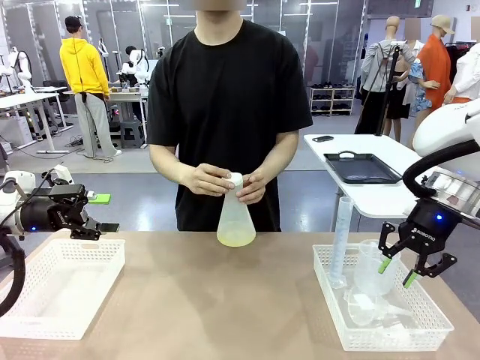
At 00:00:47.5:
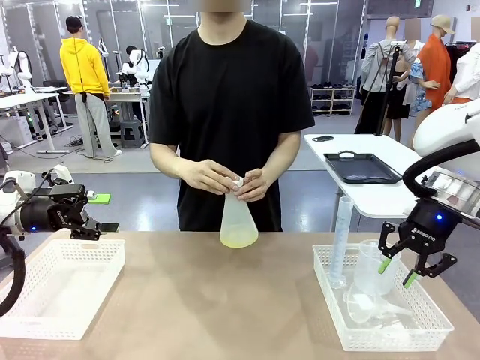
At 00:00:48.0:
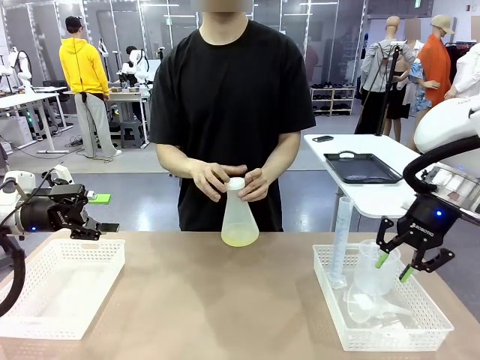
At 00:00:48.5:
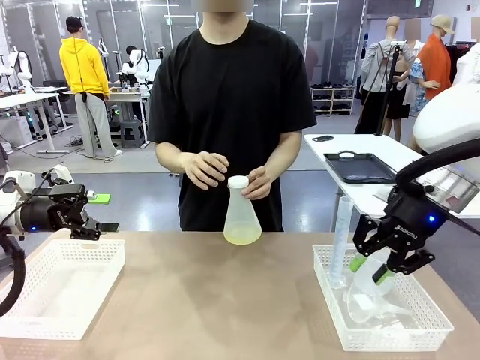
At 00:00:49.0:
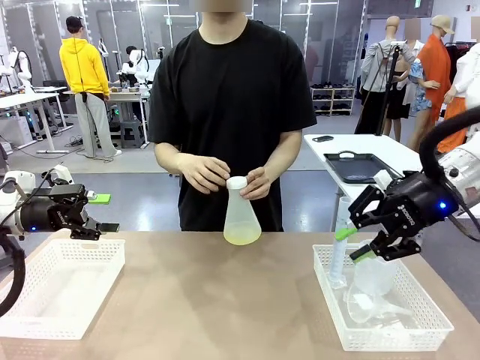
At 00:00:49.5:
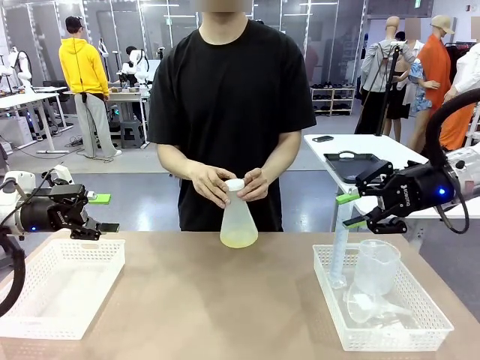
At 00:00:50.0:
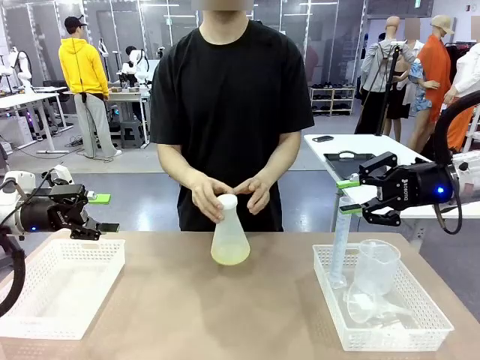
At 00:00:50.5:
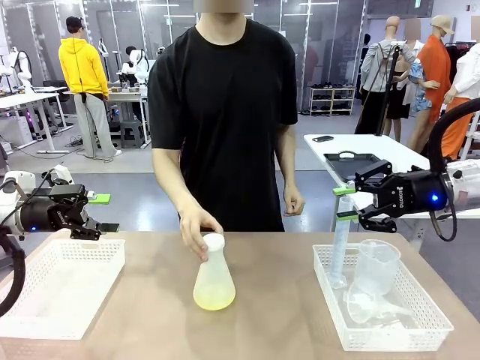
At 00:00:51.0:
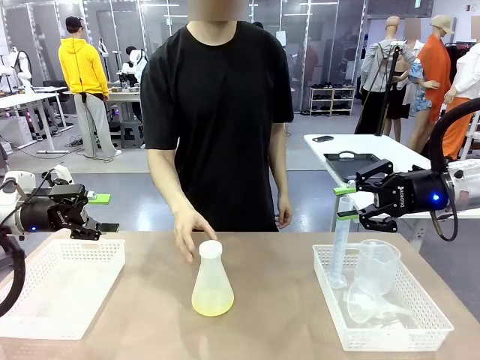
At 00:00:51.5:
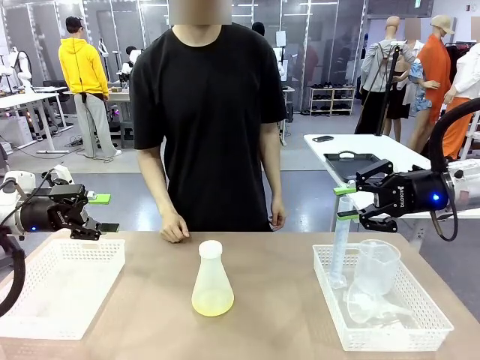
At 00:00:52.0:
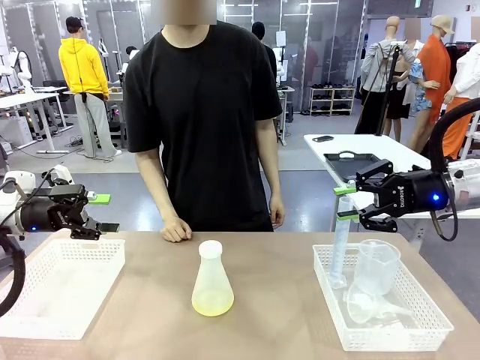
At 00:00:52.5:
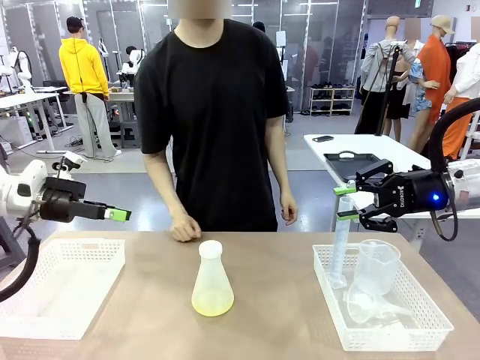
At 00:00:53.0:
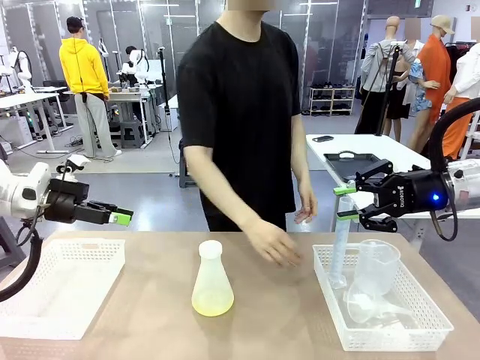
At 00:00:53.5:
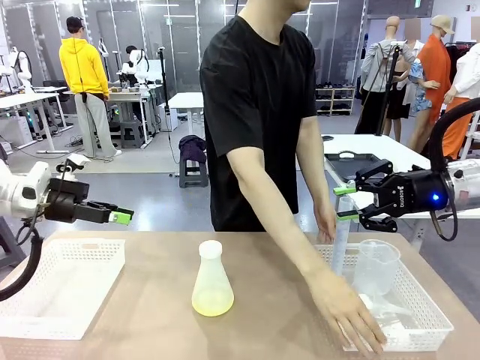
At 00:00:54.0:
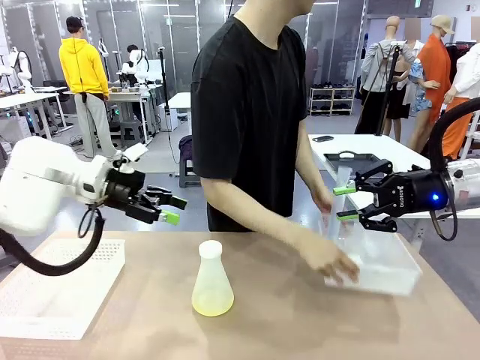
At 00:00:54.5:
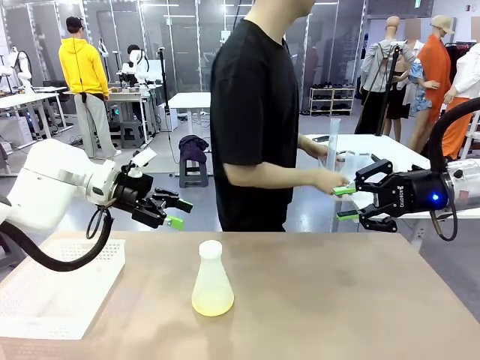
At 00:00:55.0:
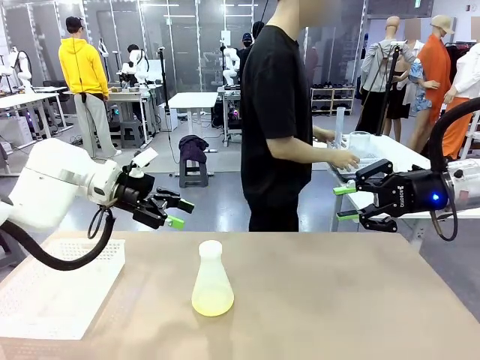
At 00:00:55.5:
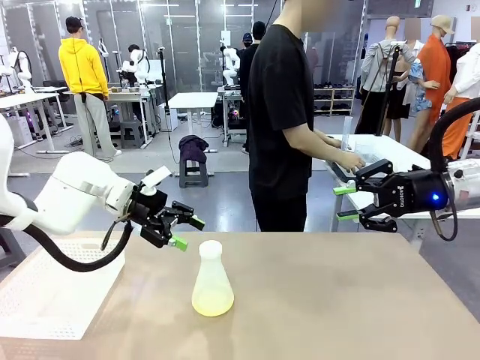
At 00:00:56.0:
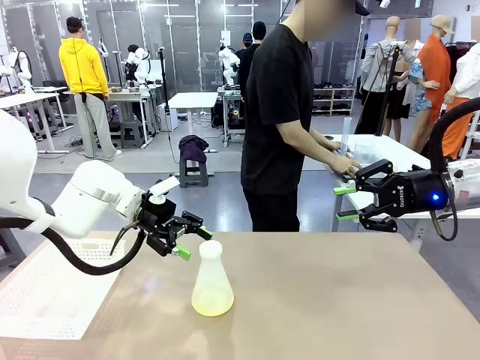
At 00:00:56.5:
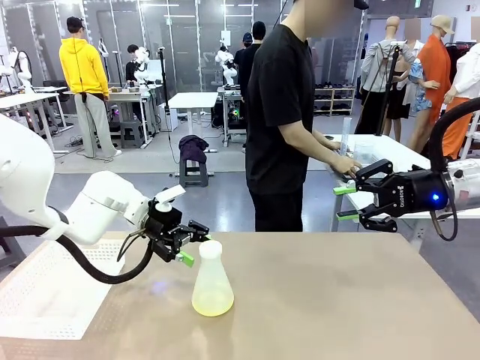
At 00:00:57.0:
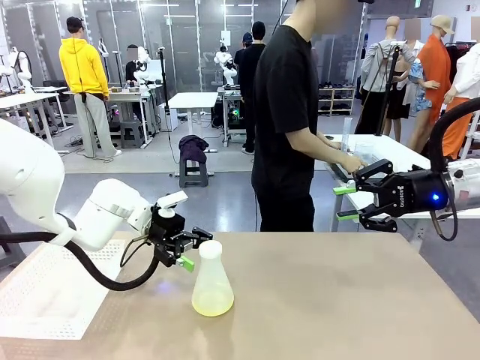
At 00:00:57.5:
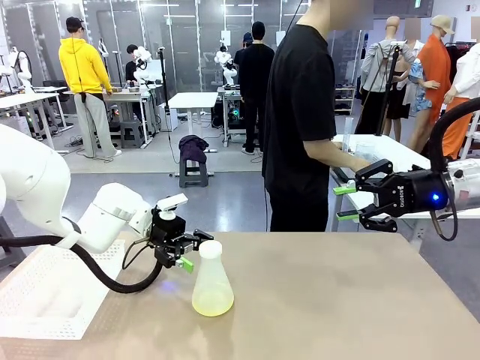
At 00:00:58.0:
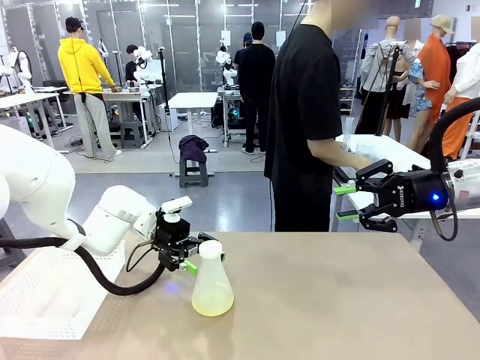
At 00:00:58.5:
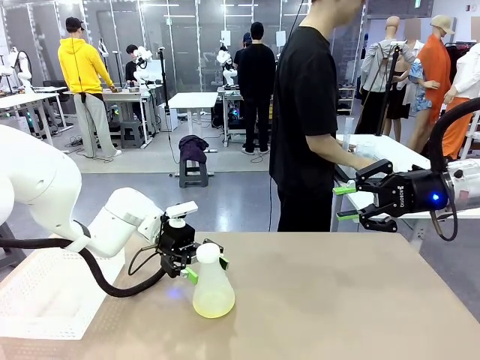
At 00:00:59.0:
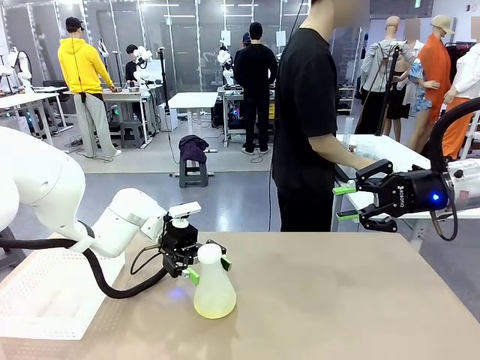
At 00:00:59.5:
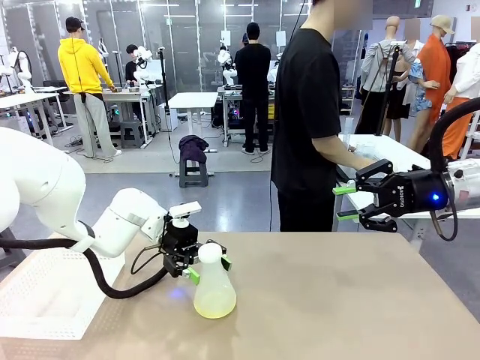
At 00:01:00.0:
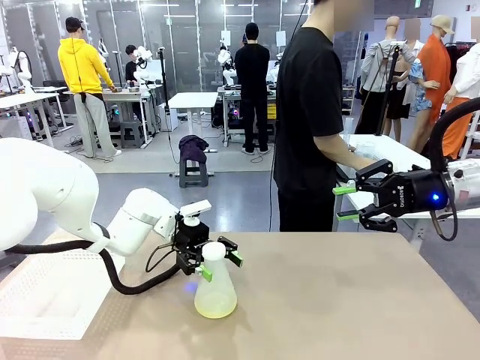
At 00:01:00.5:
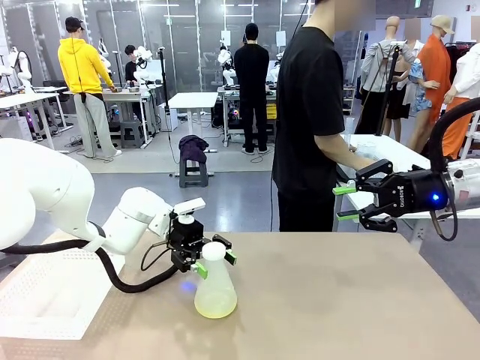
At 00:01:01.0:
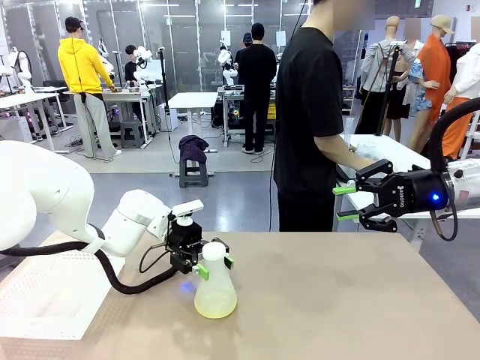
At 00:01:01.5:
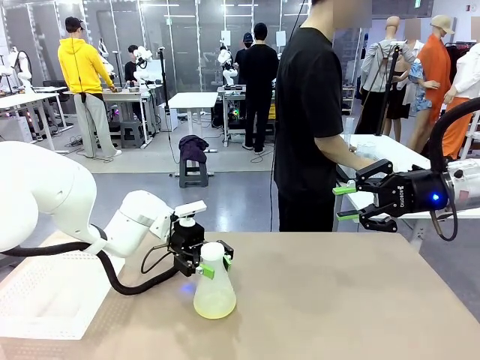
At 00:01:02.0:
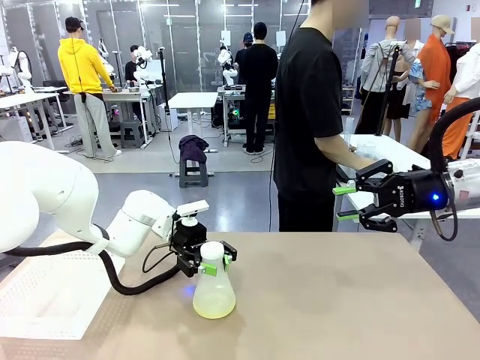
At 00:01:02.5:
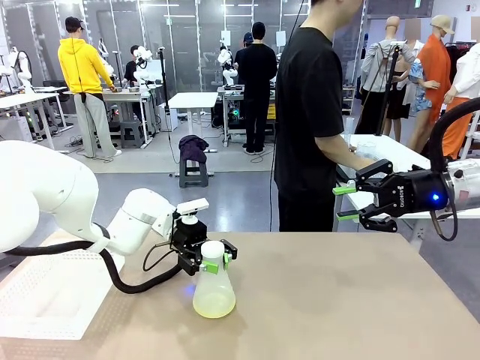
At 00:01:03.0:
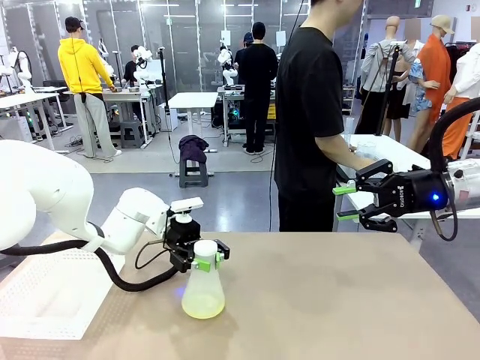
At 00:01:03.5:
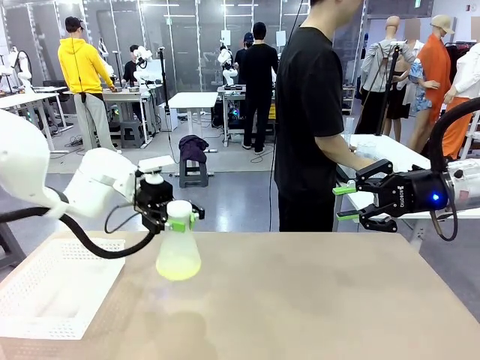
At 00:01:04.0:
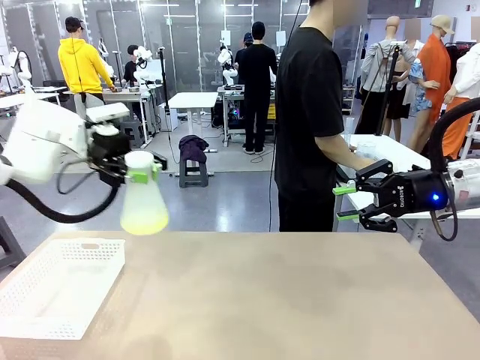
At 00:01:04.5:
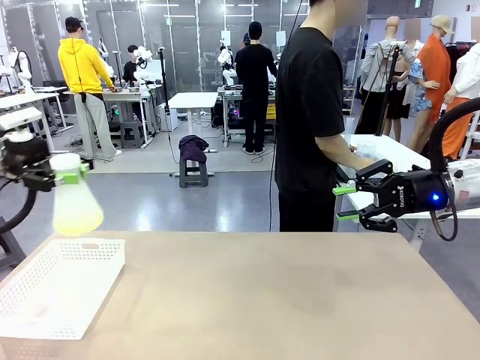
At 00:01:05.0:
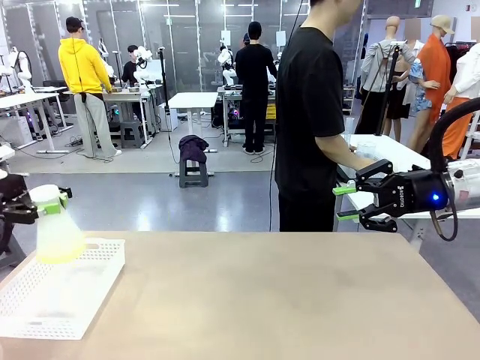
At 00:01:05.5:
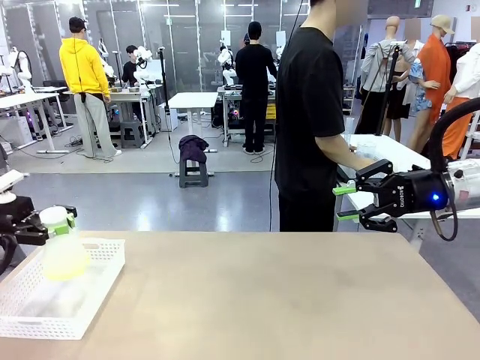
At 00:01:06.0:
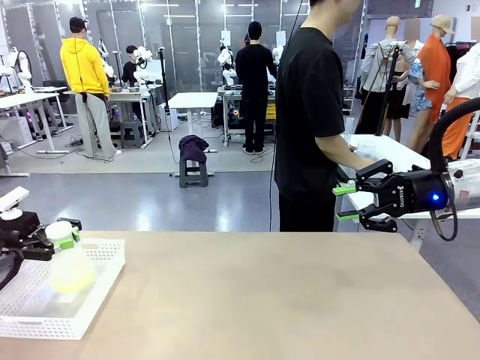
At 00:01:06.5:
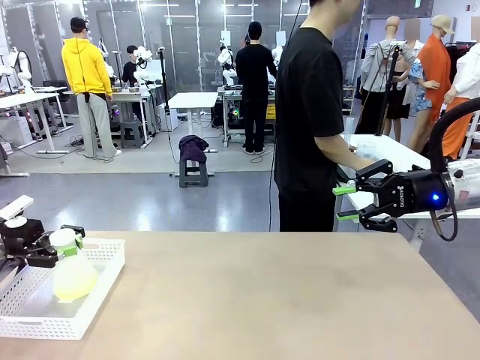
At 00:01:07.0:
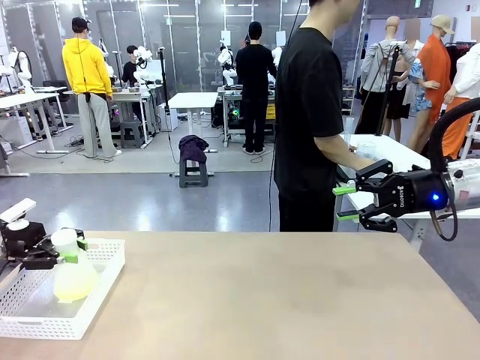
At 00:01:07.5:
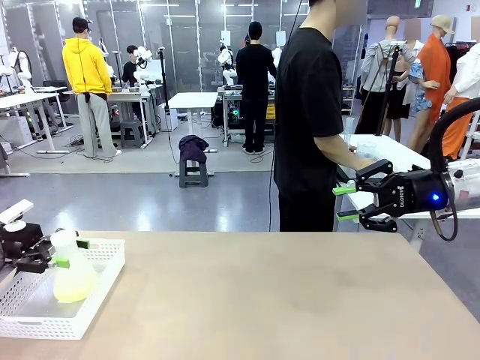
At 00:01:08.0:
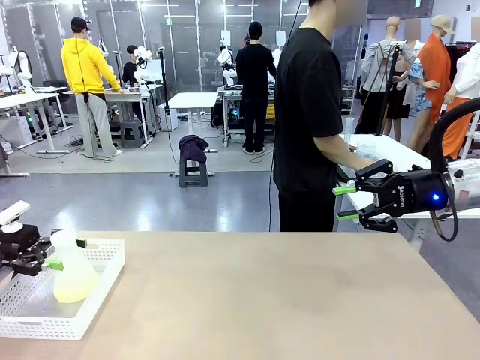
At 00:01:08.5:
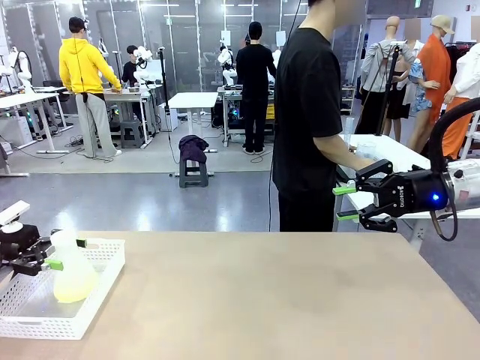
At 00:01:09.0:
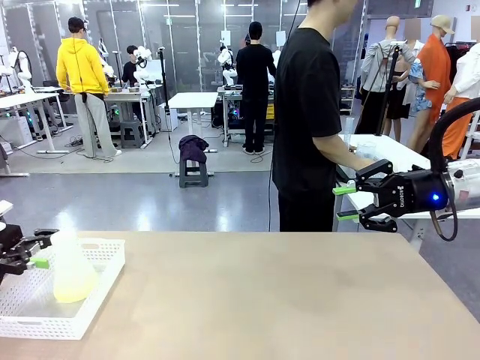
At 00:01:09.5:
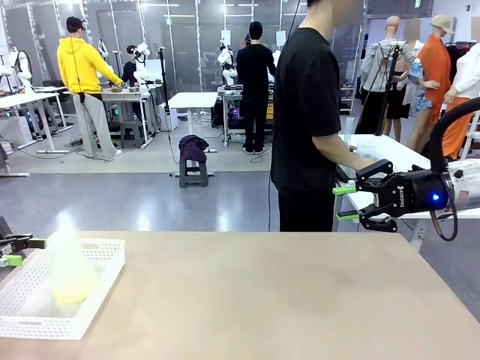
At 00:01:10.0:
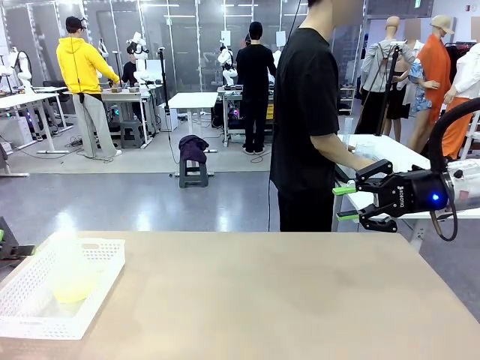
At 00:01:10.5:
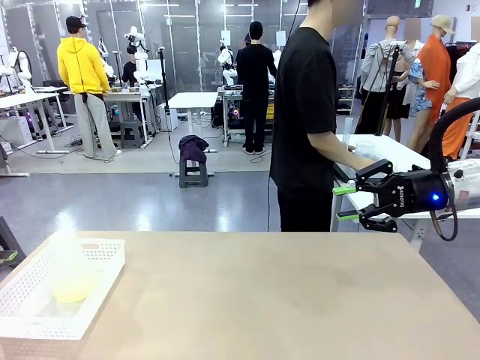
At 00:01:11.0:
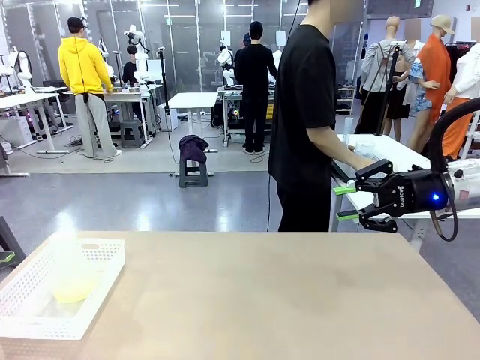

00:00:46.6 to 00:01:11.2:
Task: Prepare the solutions needed for the experiment.
Robot: When the human places the Big flask in the center of the table, pick up the Big flask and place it in the left Organizing basket.
Person: Pick up the organizing basket on the left side of the robot table and place it on the left side of the human table.

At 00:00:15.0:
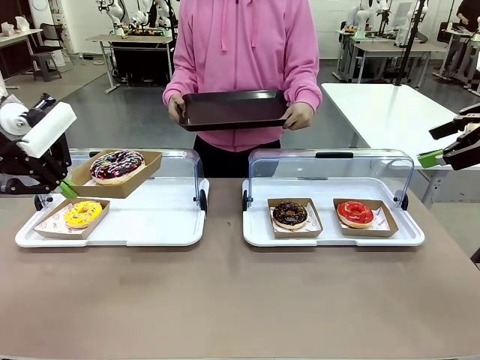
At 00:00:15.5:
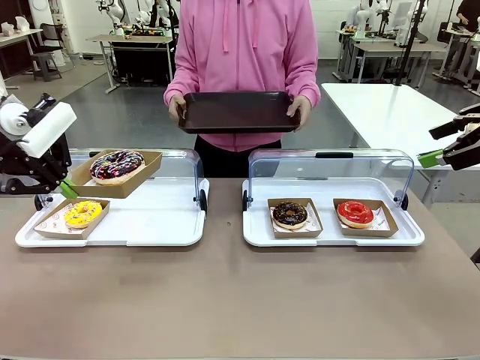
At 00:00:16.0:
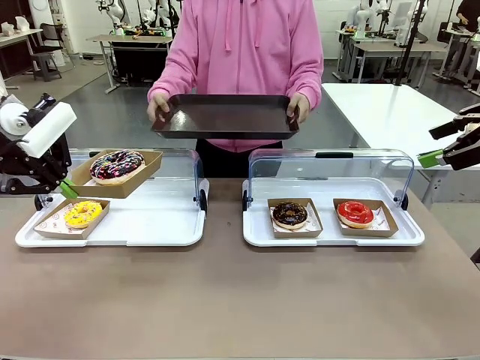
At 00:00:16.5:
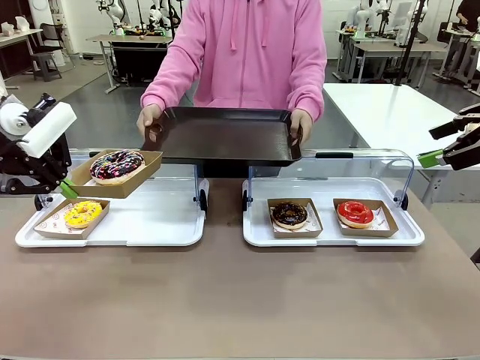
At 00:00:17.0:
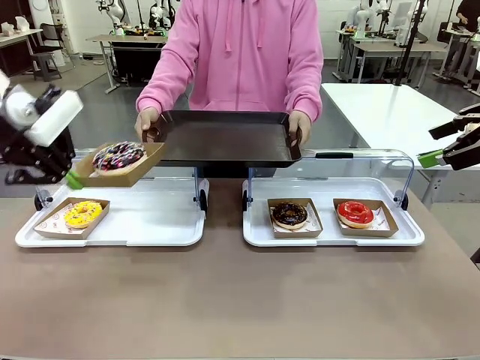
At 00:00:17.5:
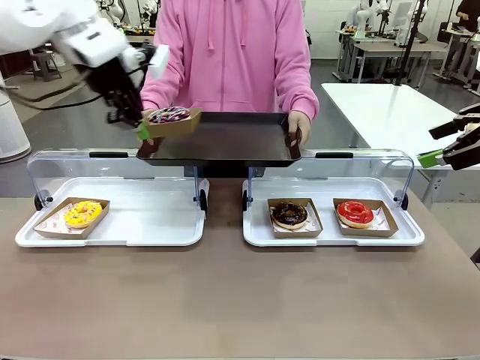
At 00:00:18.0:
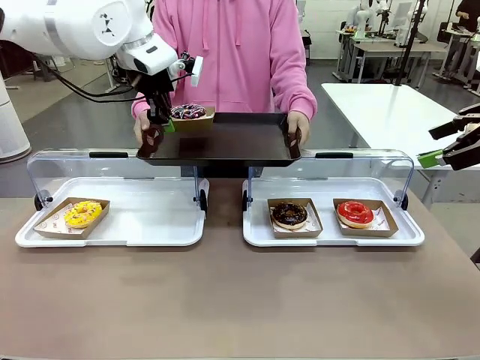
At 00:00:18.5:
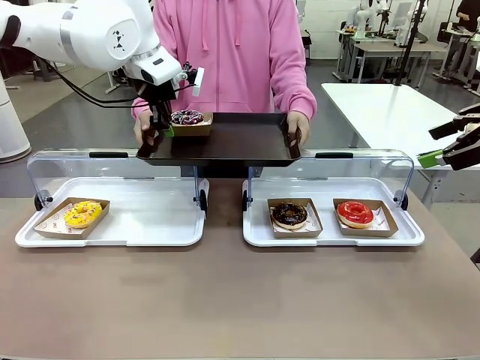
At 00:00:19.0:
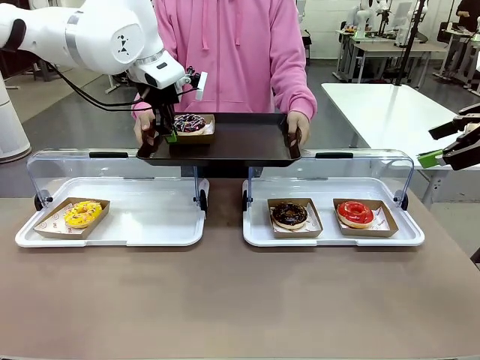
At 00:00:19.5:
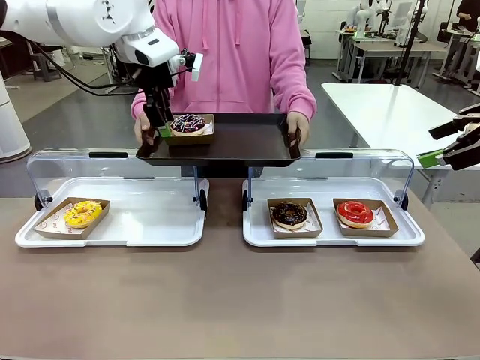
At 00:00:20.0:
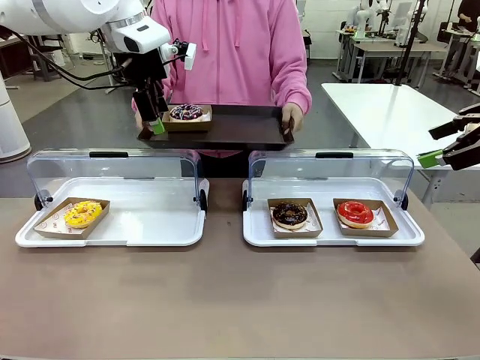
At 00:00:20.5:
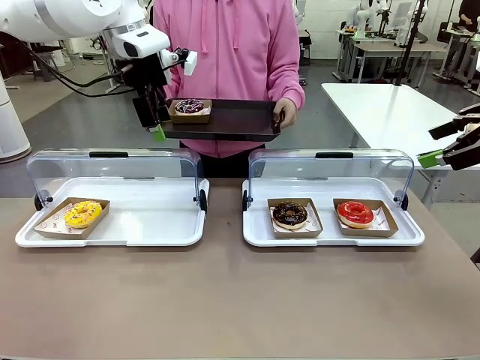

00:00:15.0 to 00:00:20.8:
Task: Provide the desired donut to the person.
Robot: Place the picked Paper togo box onto the Handle tray extended by the person.
